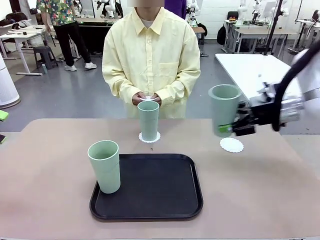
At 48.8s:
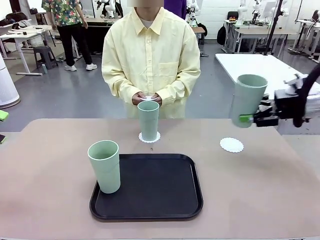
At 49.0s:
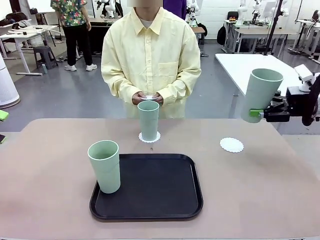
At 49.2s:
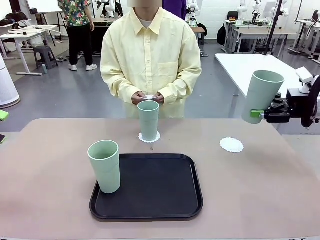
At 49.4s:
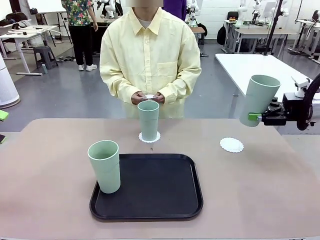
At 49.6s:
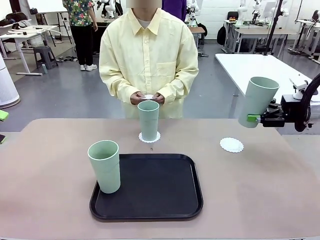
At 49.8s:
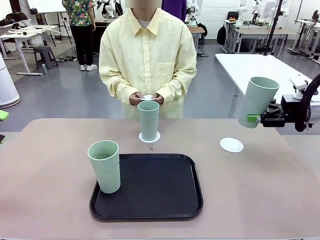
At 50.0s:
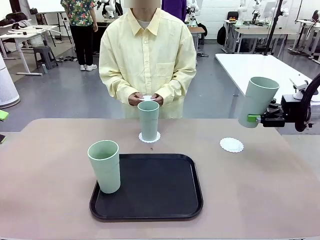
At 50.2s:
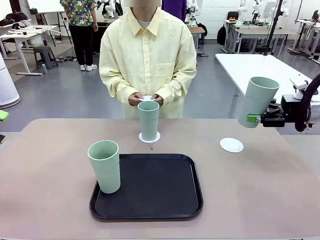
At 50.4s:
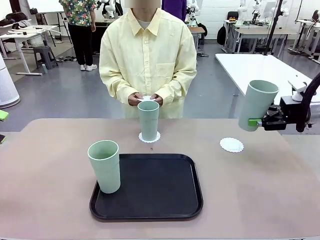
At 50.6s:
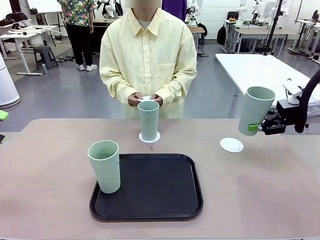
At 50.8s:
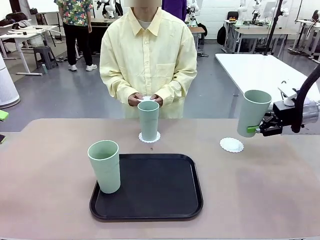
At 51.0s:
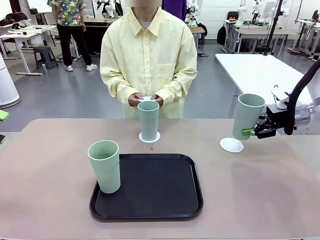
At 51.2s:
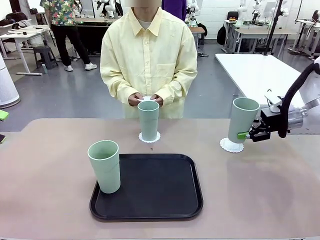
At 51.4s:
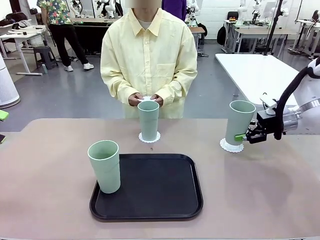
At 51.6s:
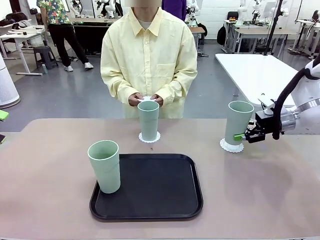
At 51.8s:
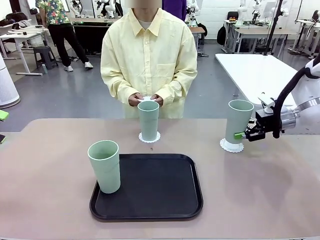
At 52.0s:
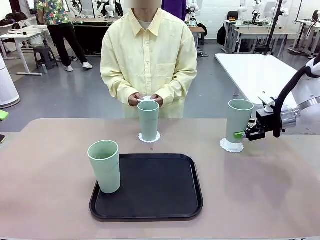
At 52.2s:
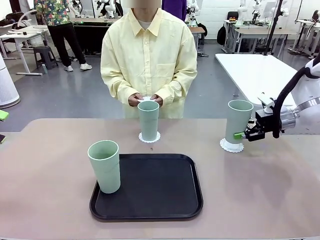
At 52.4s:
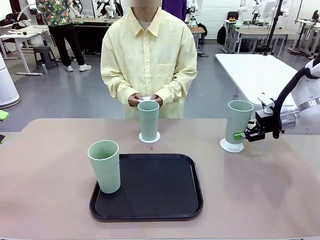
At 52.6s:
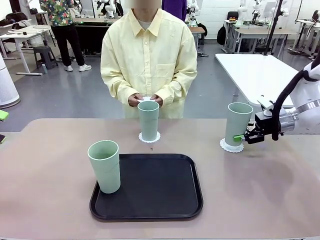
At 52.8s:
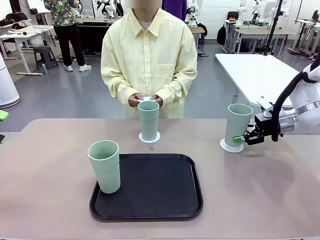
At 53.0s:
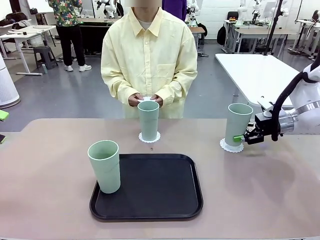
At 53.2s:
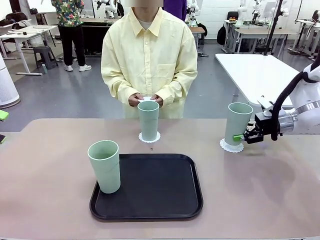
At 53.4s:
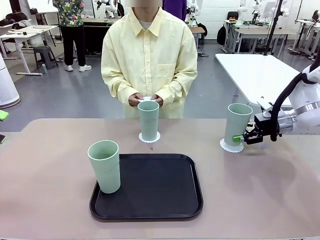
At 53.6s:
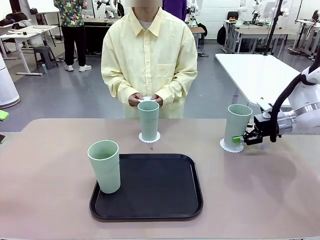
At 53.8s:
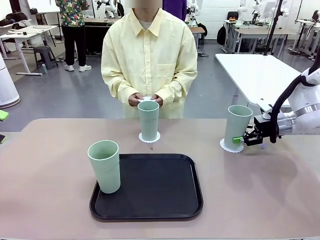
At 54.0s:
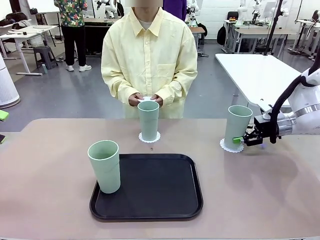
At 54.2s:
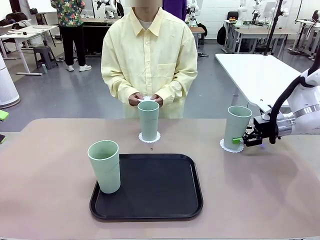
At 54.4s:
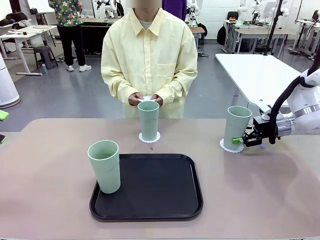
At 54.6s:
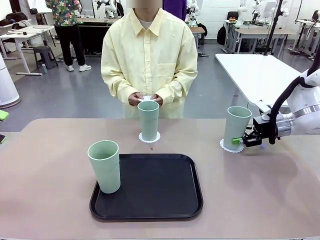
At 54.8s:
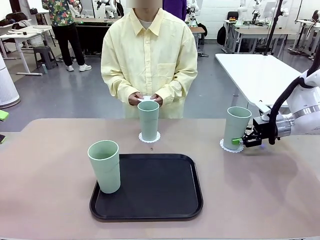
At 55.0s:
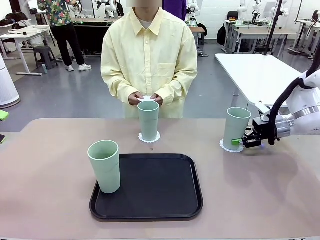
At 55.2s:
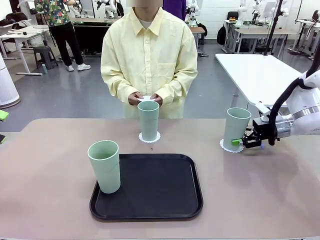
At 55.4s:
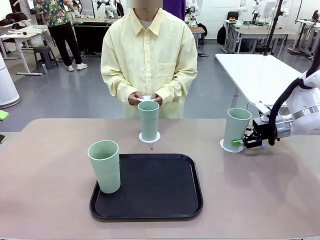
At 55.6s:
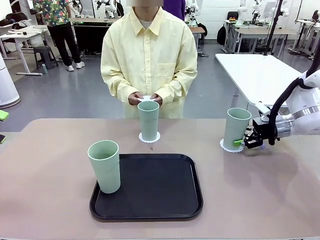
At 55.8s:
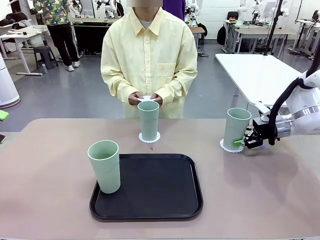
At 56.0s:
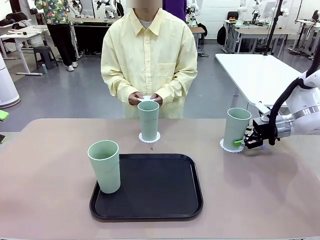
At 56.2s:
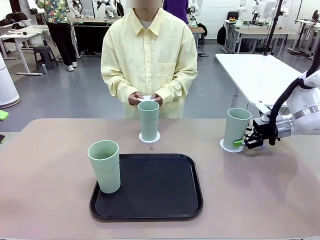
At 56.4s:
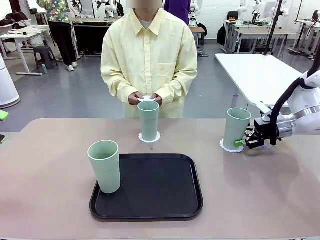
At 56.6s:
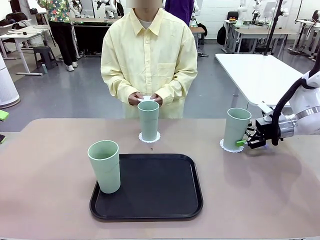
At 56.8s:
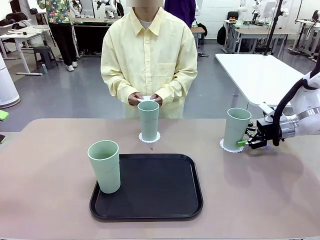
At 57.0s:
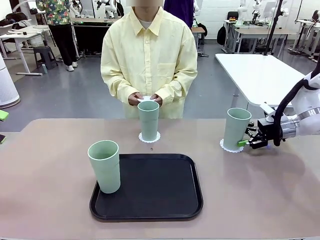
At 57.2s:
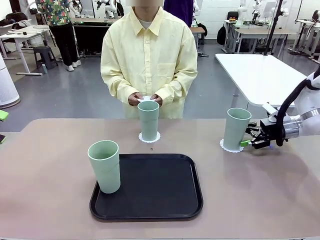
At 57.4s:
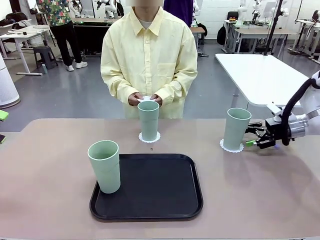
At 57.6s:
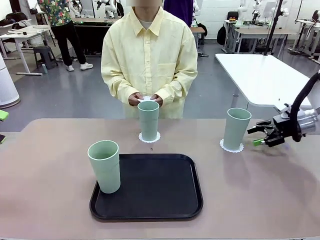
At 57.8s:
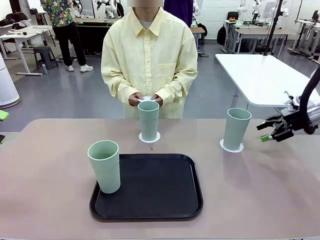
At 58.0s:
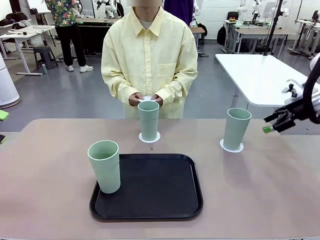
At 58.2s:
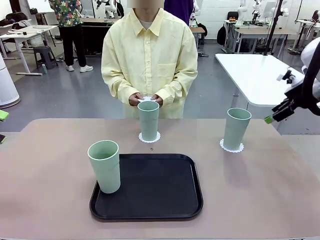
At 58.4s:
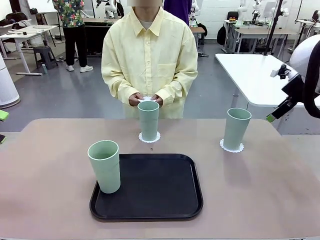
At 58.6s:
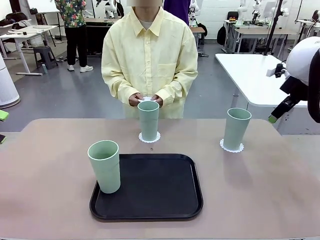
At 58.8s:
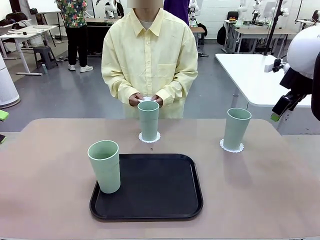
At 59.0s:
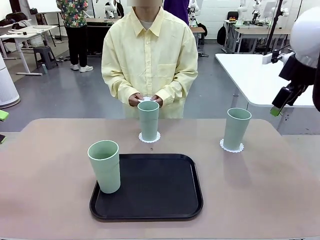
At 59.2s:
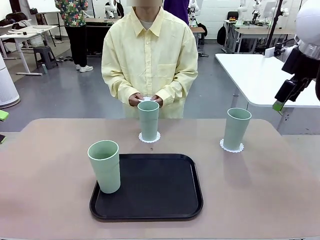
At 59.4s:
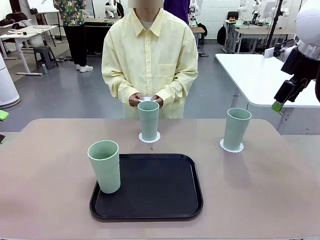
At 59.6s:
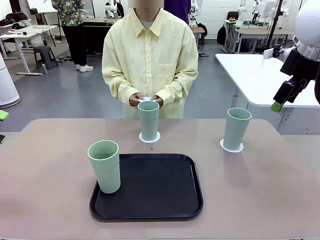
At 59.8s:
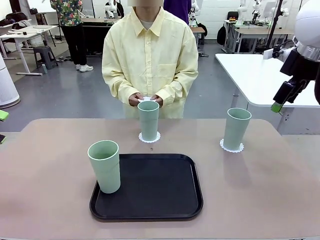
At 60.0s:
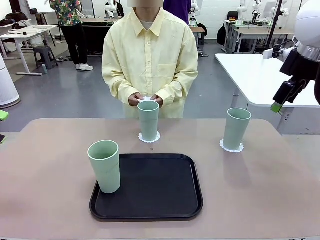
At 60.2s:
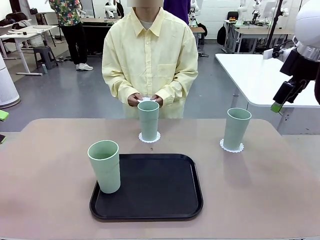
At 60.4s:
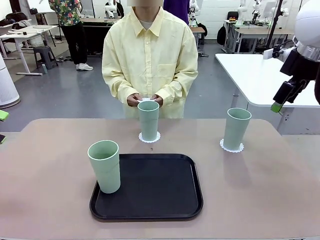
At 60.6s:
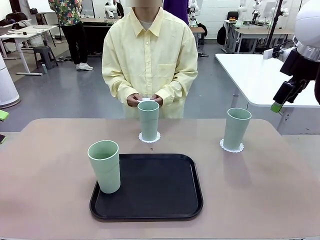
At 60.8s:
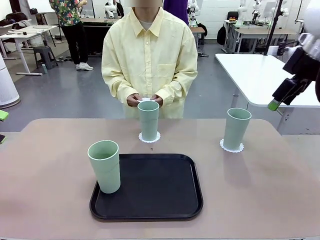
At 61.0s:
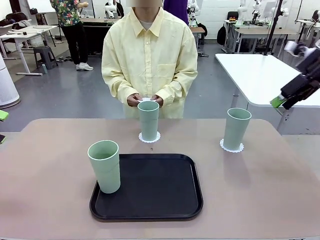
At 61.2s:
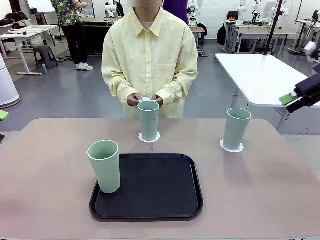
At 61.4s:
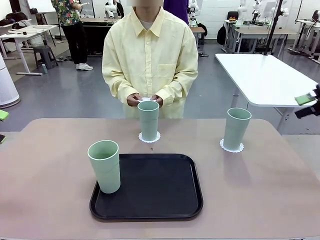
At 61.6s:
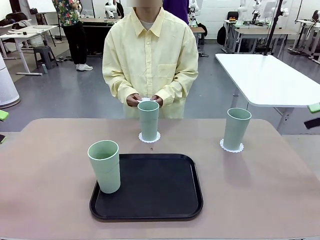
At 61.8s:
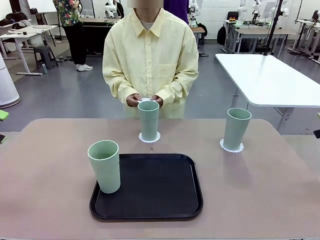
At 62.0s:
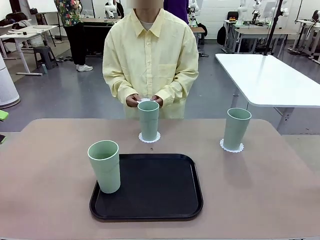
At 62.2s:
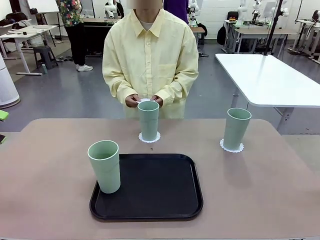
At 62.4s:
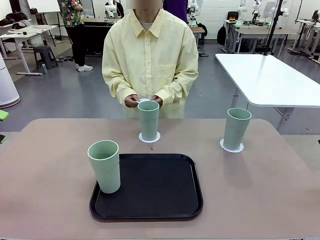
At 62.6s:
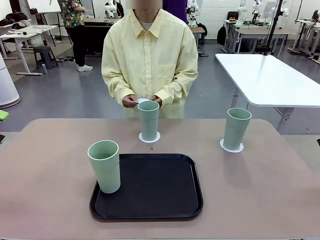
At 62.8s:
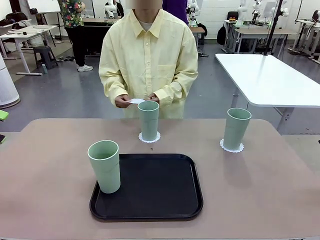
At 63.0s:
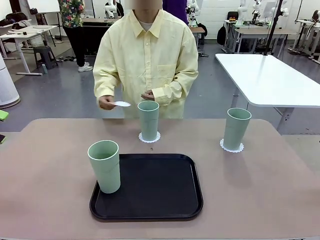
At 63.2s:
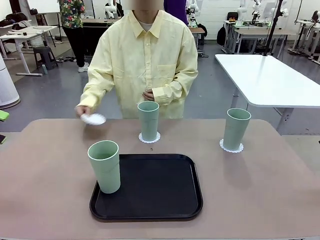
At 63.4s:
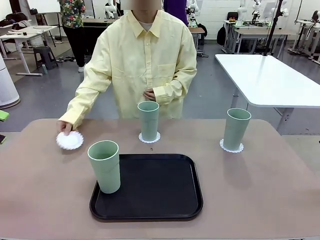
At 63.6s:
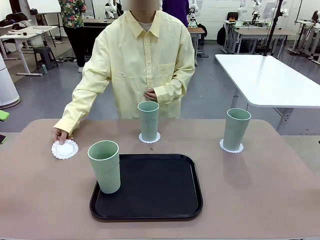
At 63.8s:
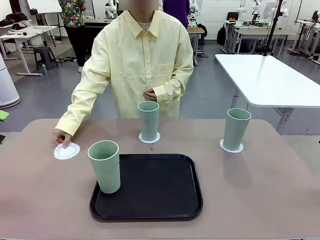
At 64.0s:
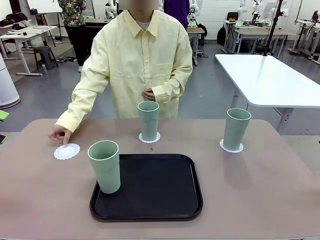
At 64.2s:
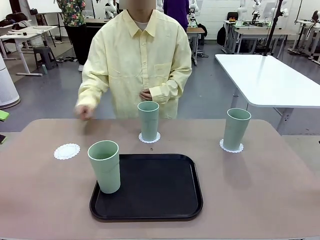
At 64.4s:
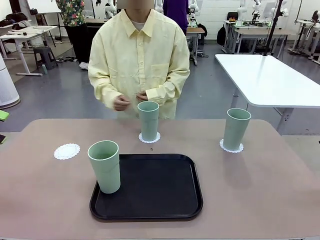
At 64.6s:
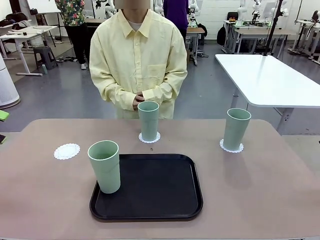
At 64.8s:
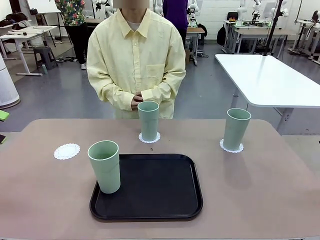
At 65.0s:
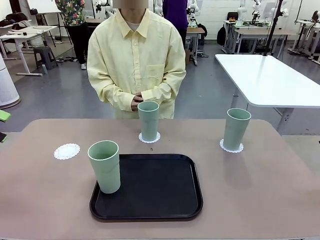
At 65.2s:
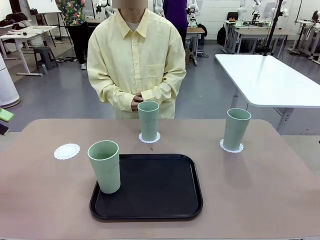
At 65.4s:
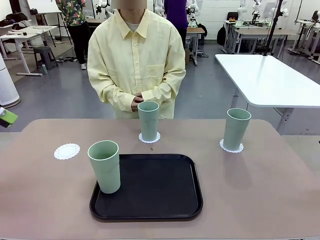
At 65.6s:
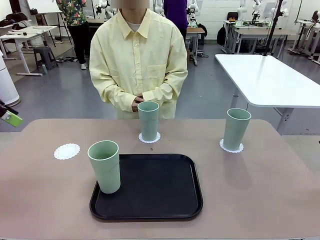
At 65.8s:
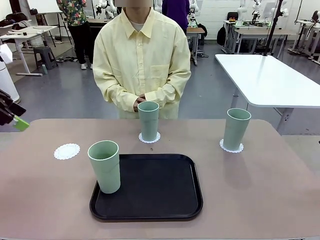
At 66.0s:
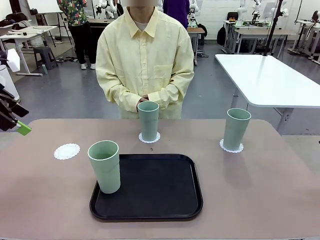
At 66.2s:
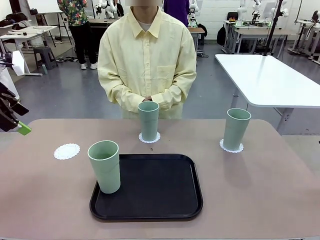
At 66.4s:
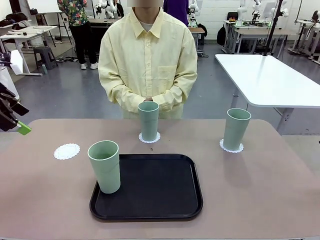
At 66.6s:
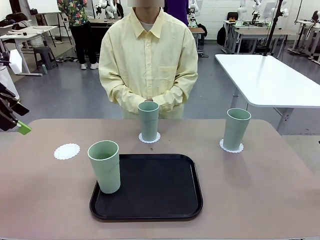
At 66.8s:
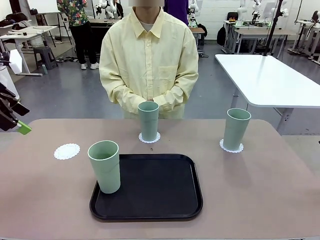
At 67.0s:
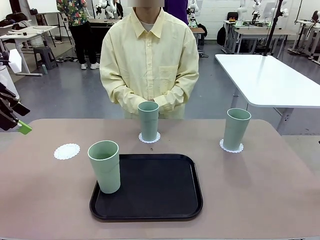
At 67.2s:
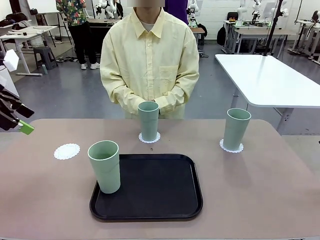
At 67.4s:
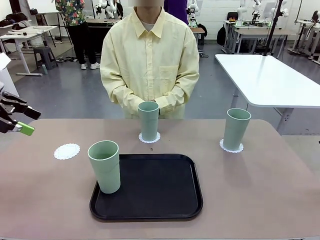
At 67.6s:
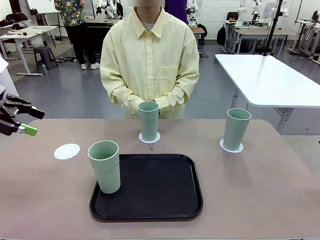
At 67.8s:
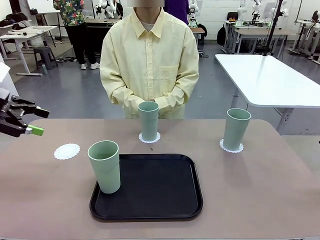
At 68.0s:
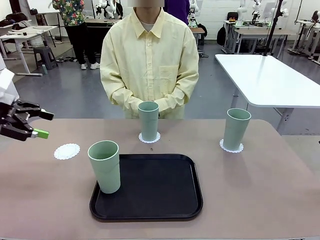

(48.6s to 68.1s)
Task: Place coasters on the table and set cups on them.
Robot: Take one Reusable plastic cup from the Flat Tray and place it on a coaster set by the human.
